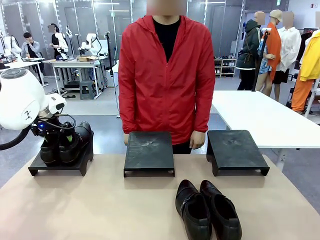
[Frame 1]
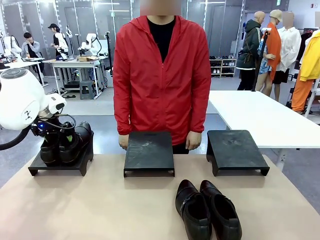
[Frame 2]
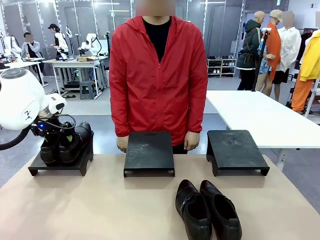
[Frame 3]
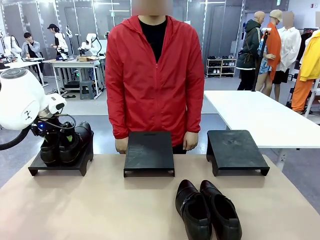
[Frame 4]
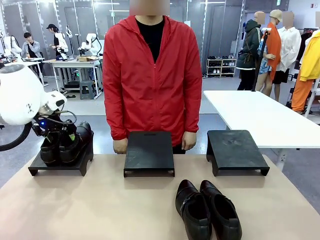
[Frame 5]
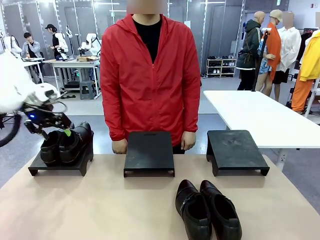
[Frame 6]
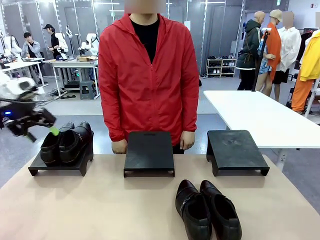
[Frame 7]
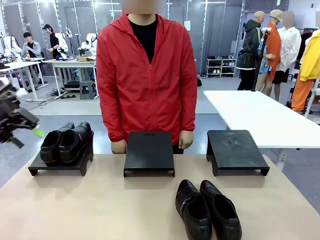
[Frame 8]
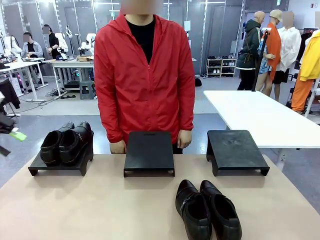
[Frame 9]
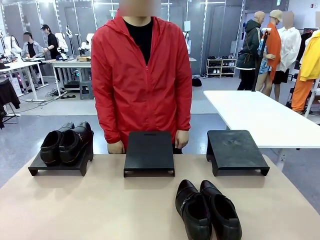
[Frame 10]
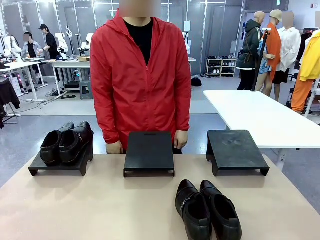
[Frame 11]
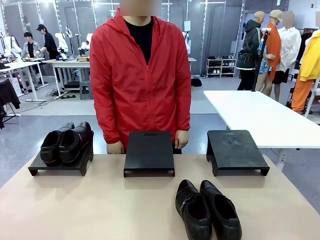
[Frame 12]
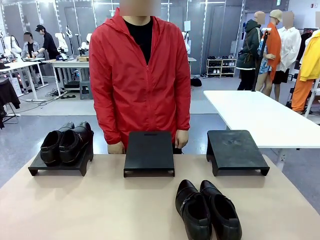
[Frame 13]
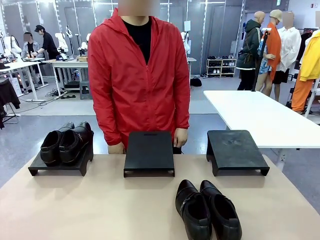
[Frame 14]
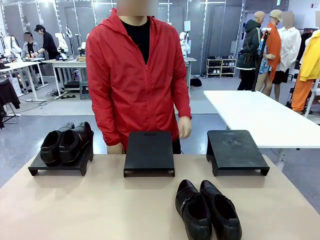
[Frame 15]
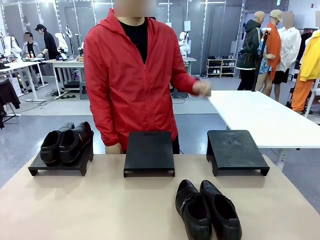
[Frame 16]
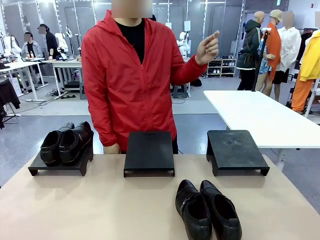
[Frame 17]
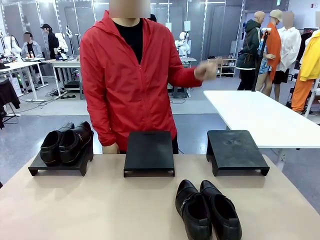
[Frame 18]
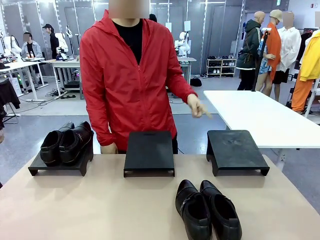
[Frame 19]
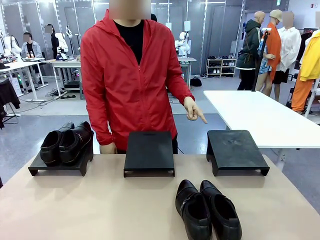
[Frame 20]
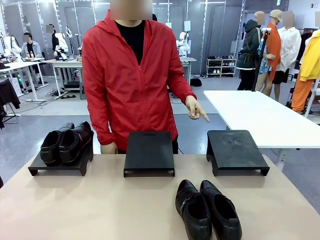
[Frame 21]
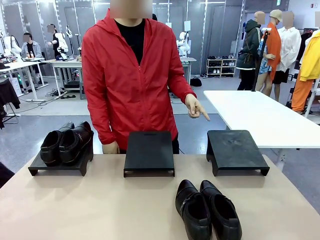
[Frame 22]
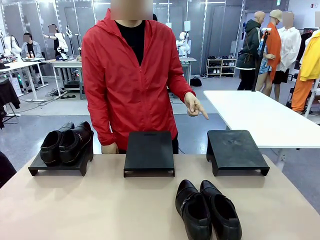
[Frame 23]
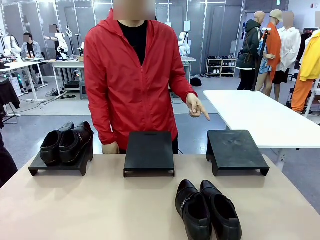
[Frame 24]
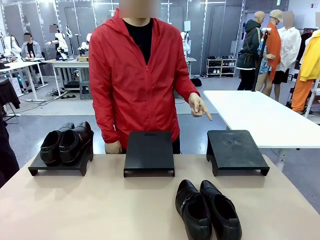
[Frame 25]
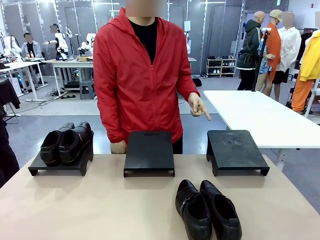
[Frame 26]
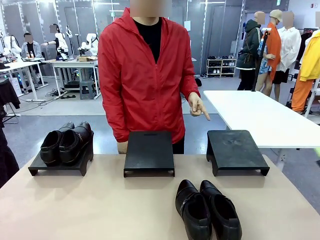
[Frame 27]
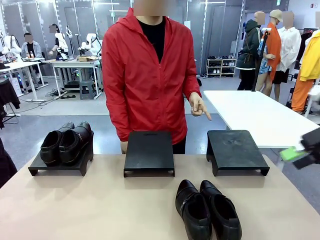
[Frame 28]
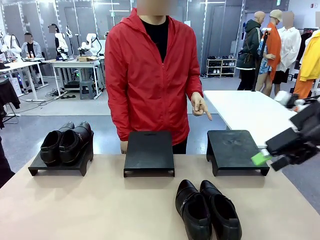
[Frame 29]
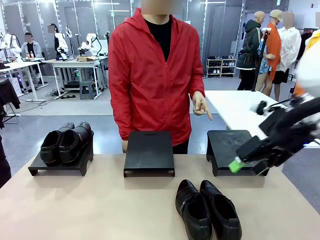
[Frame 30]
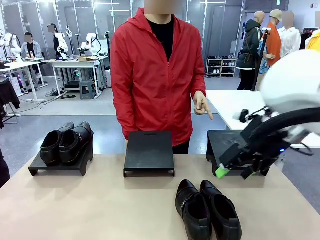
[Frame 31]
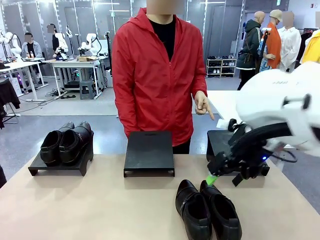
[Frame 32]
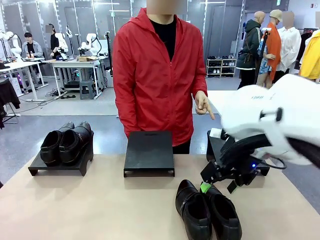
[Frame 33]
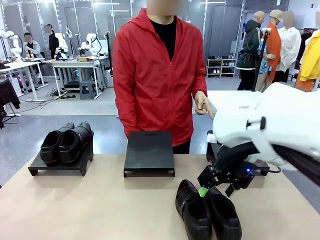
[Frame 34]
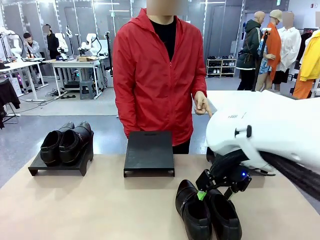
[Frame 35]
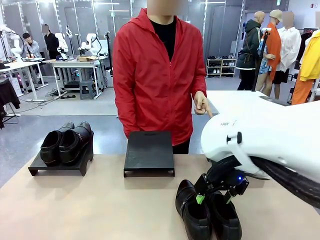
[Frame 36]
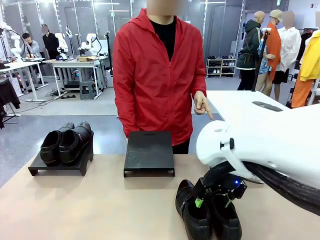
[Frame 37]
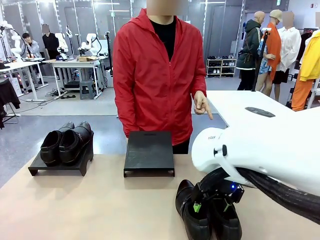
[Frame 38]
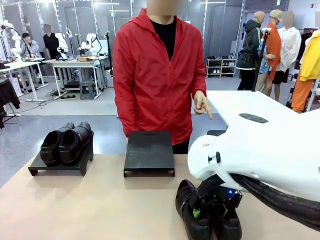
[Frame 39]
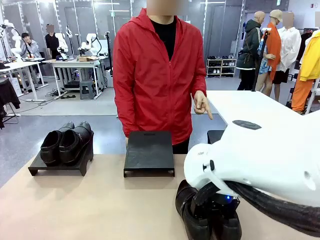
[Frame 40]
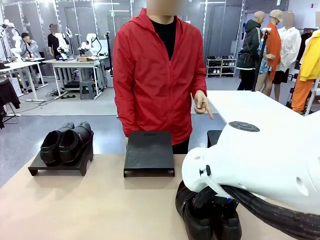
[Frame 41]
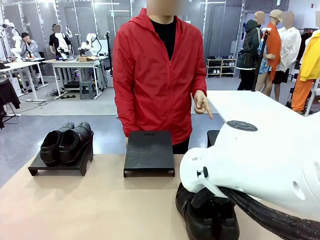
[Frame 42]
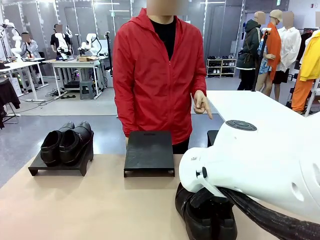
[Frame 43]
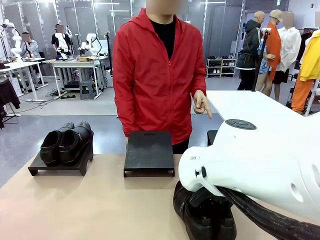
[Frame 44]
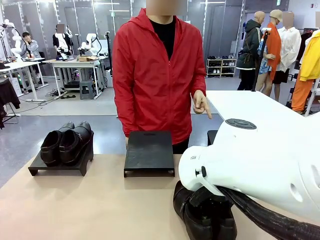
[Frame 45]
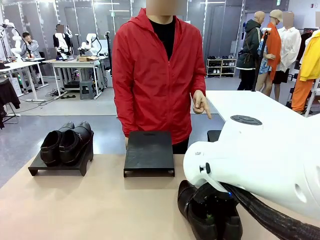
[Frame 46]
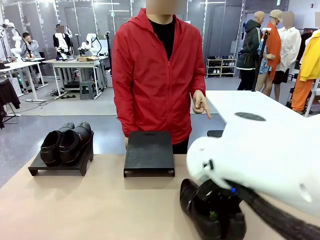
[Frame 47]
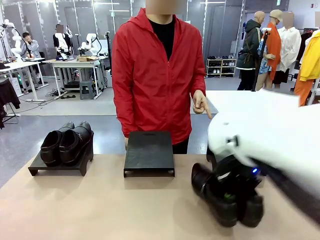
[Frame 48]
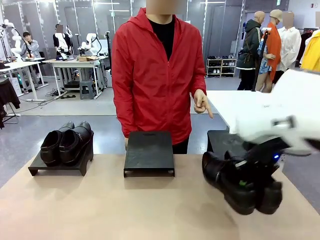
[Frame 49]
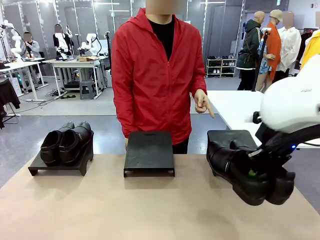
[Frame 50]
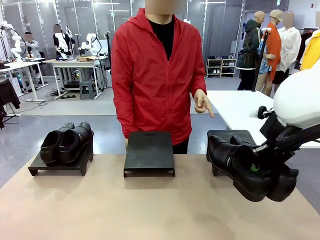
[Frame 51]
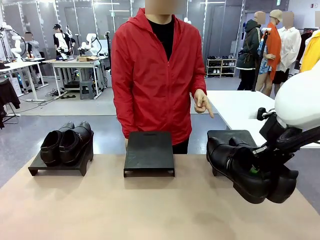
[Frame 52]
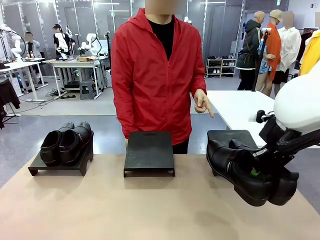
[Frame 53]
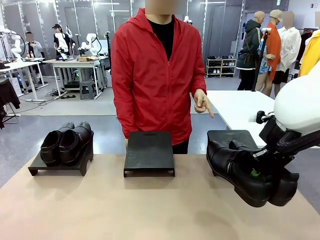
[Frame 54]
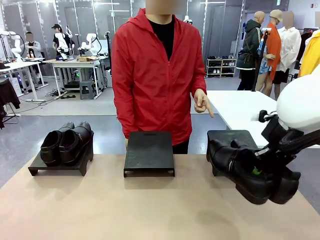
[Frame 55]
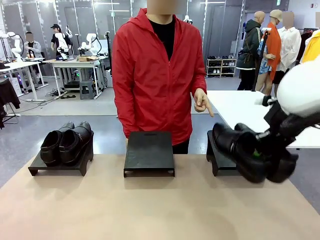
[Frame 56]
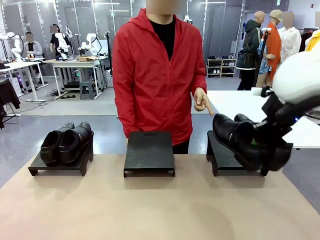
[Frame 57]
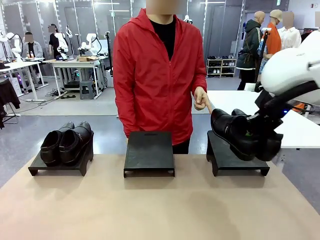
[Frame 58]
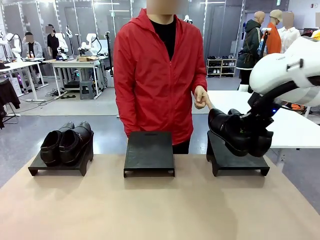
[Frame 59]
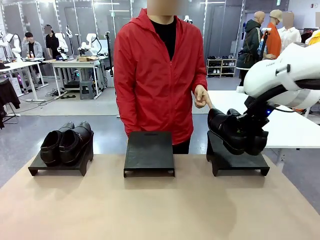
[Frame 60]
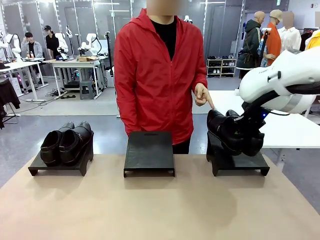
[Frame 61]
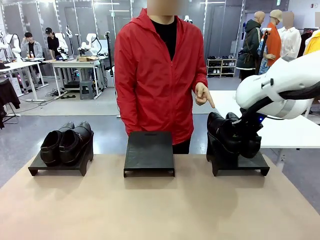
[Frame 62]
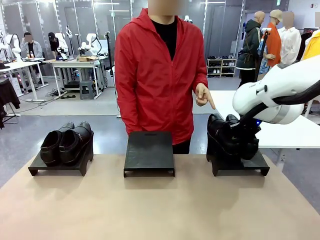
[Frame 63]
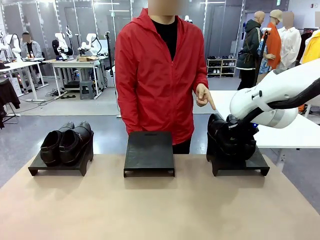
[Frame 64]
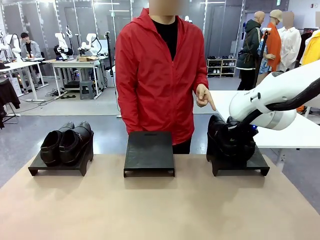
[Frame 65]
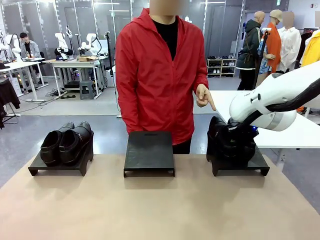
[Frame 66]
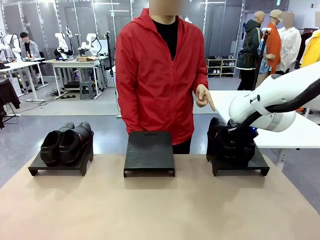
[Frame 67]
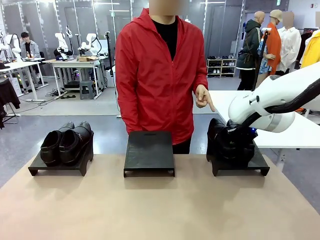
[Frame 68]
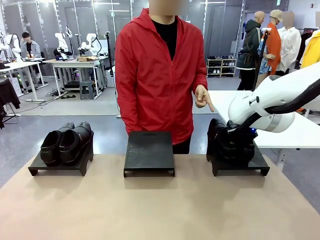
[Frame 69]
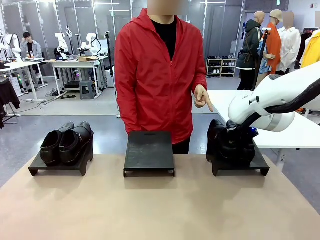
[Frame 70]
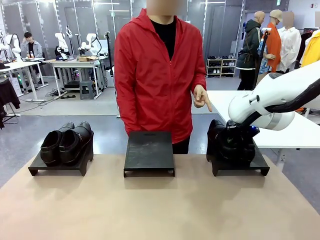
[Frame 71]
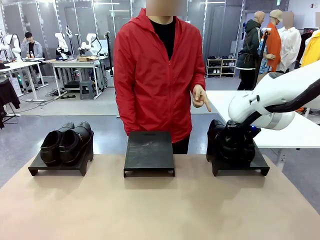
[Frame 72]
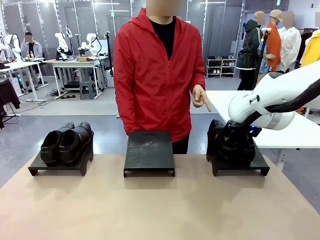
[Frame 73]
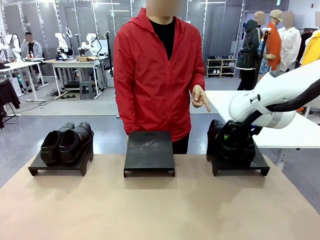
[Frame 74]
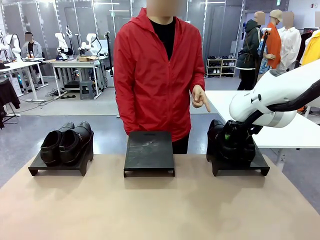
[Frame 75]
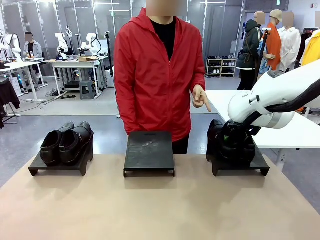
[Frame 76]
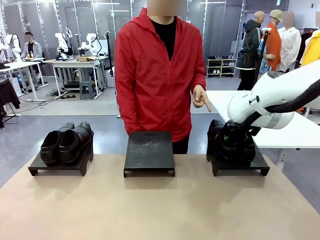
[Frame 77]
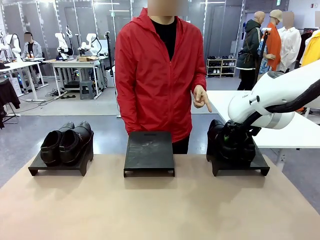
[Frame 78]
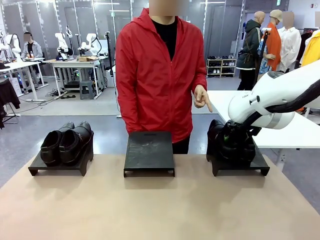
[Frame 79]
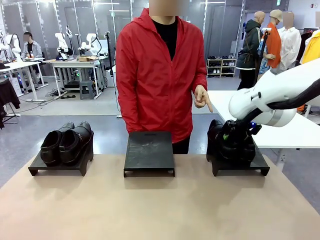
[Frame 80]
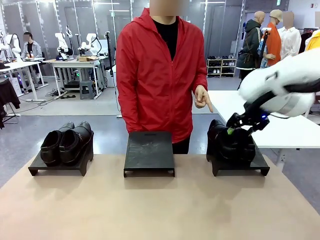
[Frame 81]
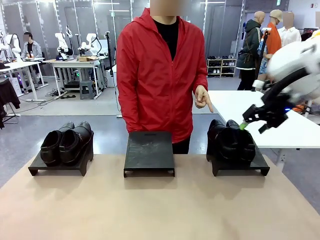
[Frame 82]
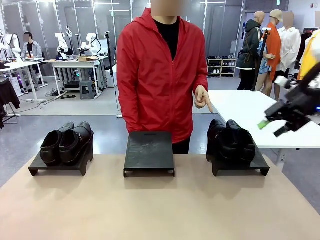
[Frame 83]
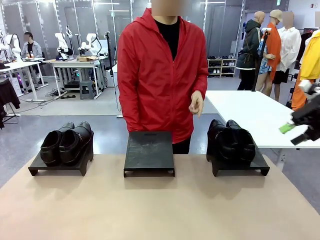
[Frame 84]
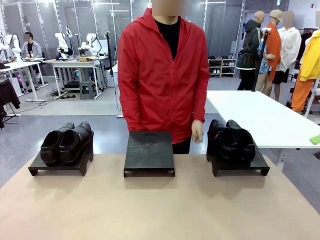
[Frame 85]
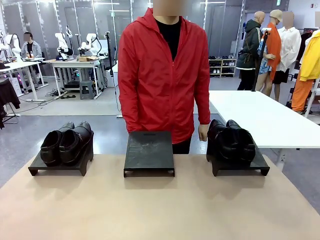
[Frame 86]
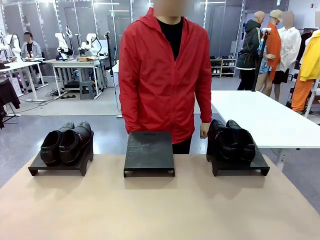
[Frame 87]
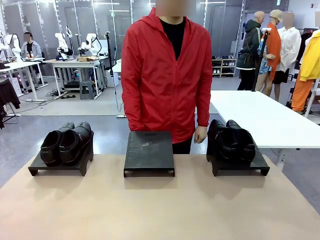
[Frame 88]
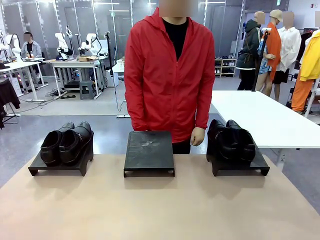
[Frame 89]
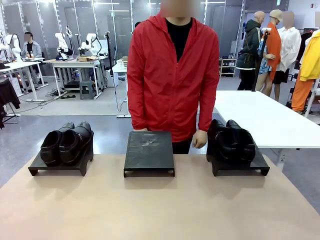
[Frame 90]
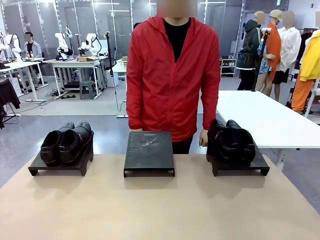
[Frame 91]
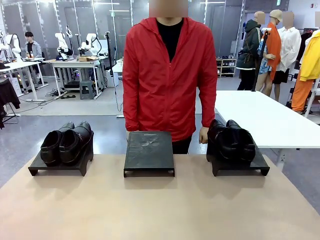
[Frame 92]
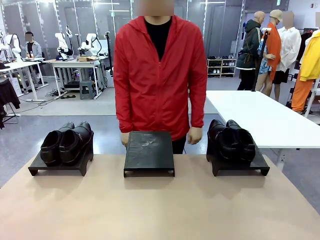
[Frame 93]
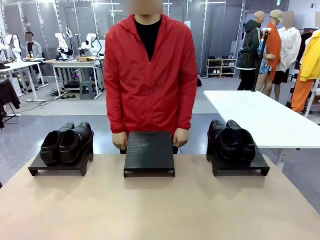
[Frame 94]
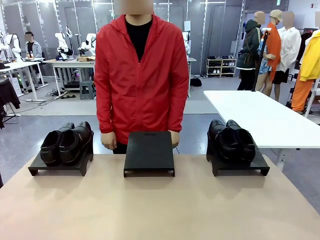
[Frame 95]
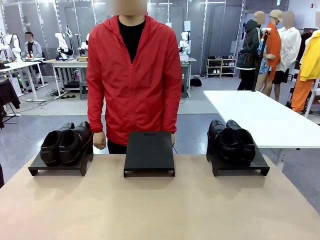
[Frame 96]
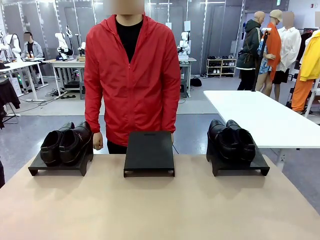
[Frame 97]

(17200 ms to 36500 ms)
Task: Place the shoes on the stand as instructed by the person.
Robot: Pick up another pair of Shoes and place it on the Shoes Stand indicated by the person.
Person: Point to one Shoes Stand.
